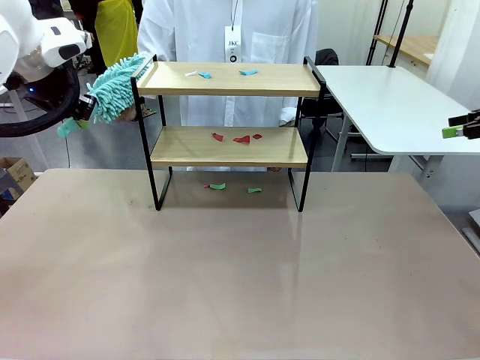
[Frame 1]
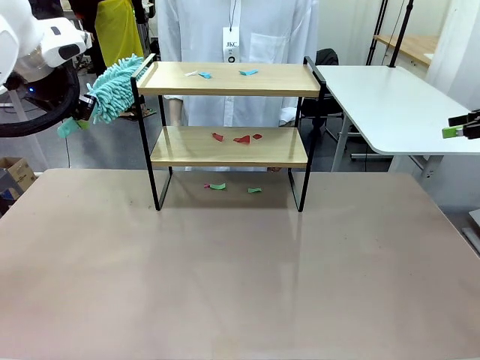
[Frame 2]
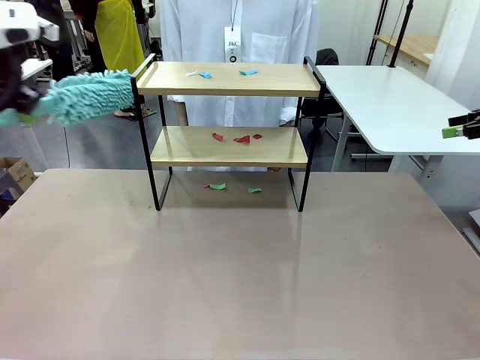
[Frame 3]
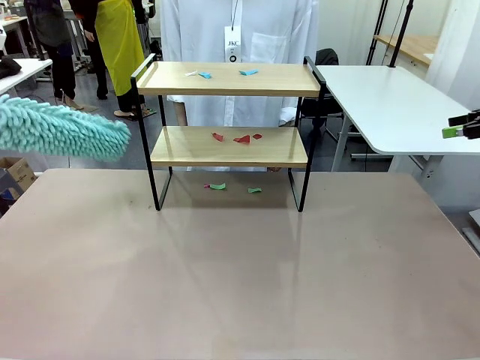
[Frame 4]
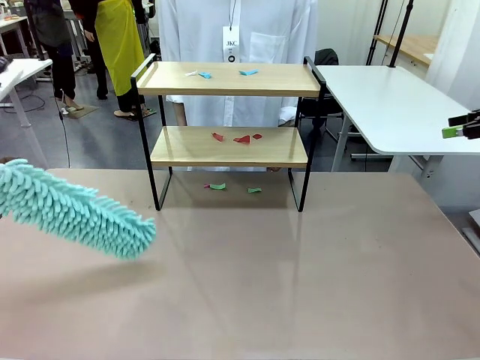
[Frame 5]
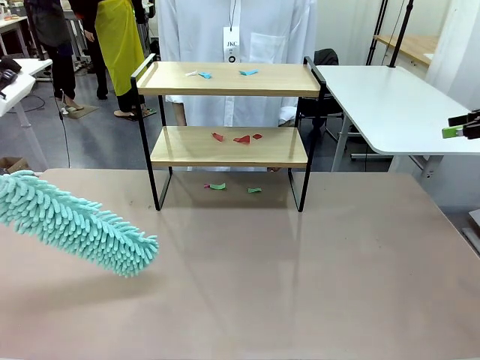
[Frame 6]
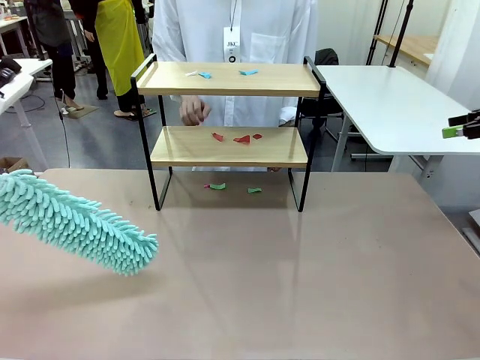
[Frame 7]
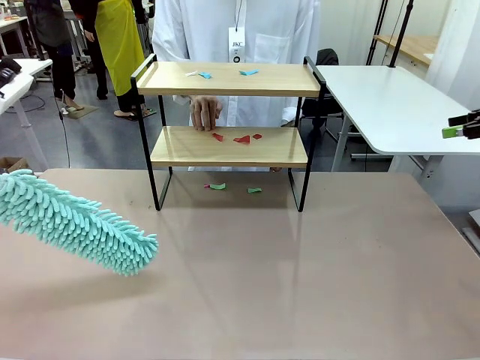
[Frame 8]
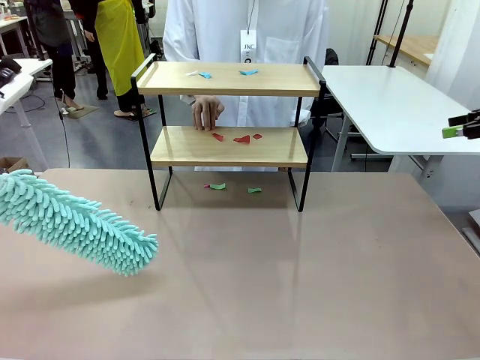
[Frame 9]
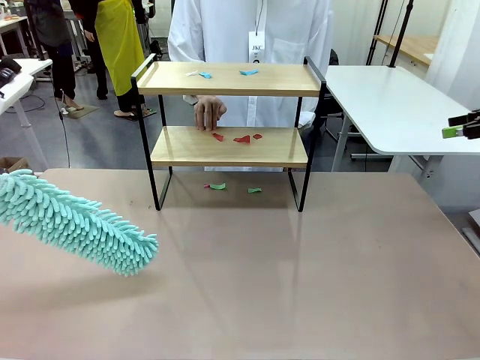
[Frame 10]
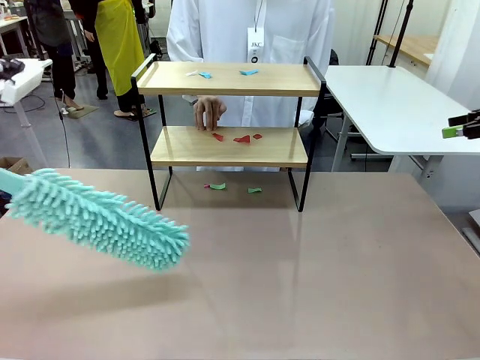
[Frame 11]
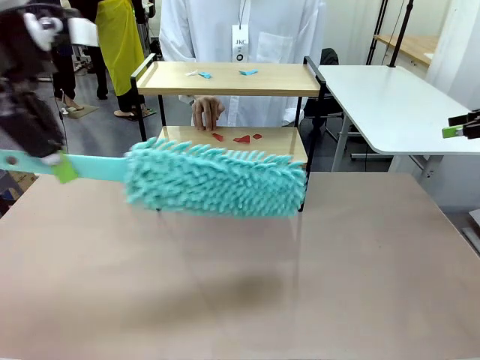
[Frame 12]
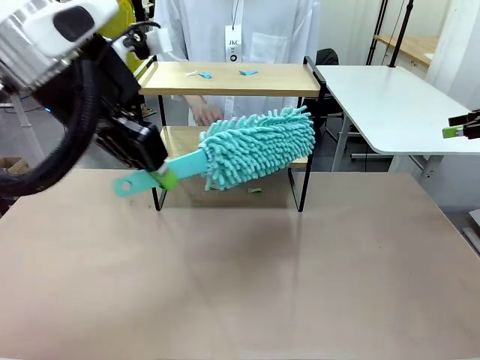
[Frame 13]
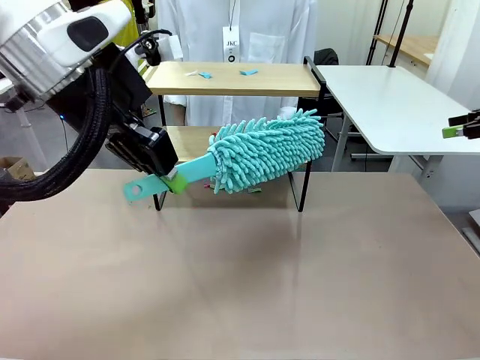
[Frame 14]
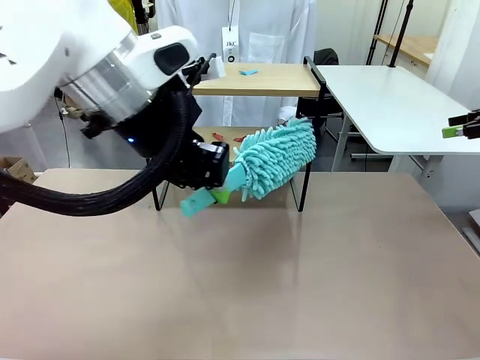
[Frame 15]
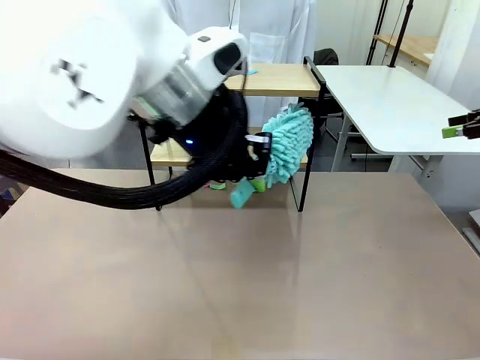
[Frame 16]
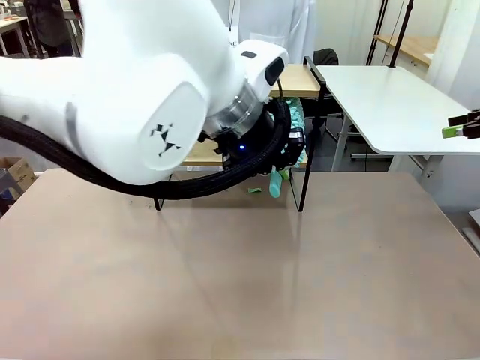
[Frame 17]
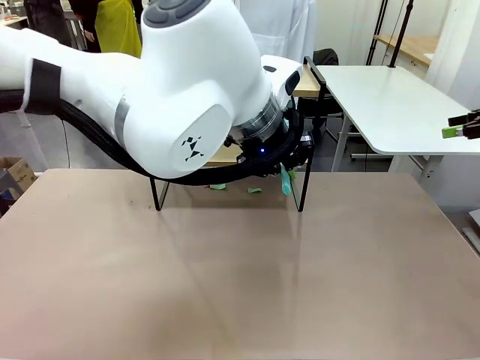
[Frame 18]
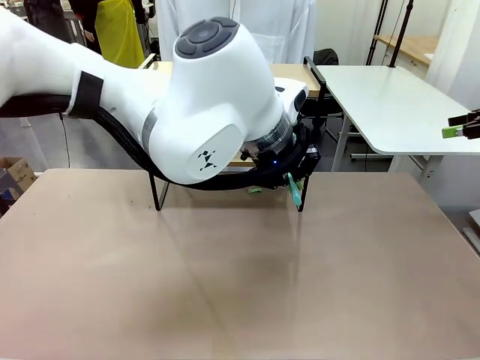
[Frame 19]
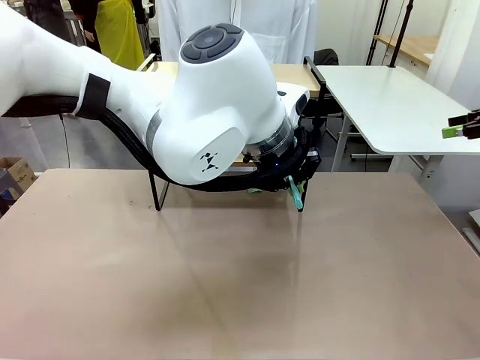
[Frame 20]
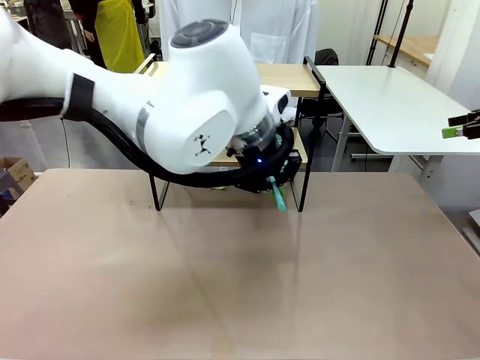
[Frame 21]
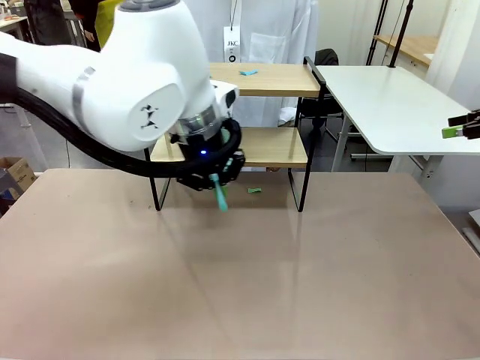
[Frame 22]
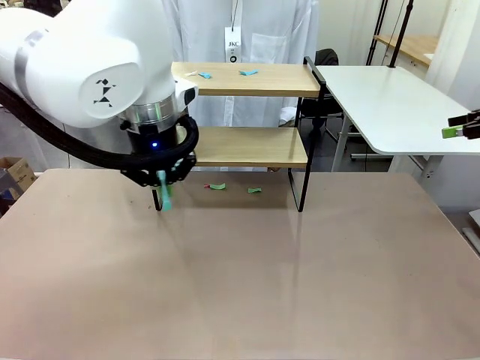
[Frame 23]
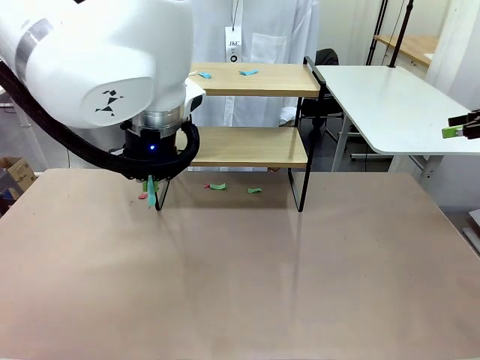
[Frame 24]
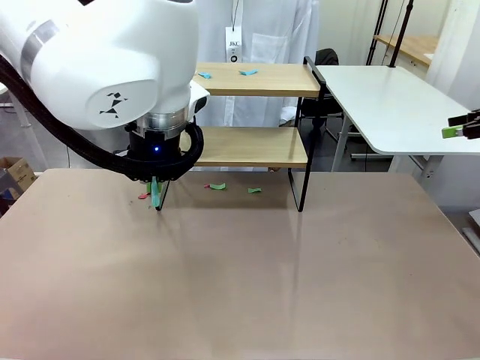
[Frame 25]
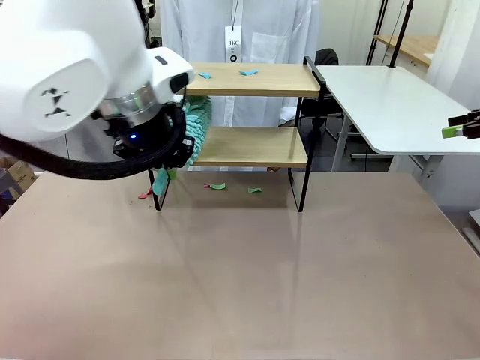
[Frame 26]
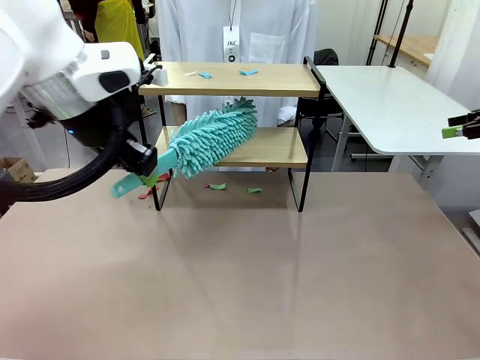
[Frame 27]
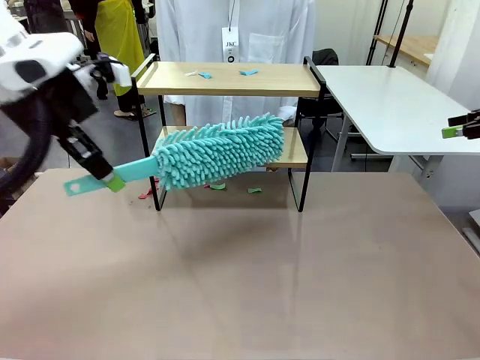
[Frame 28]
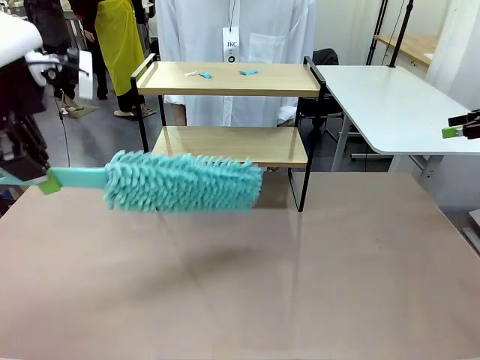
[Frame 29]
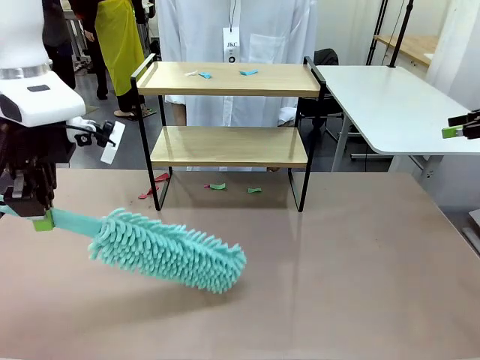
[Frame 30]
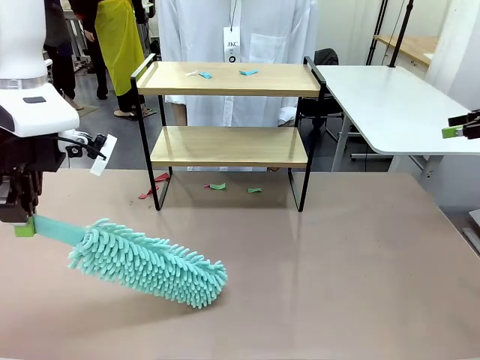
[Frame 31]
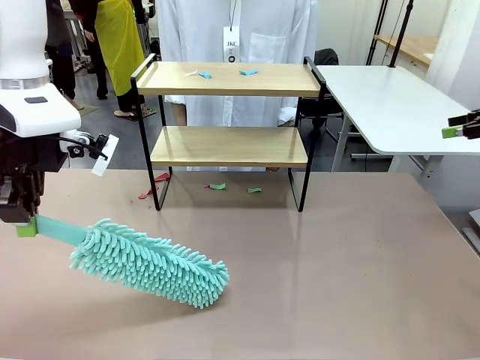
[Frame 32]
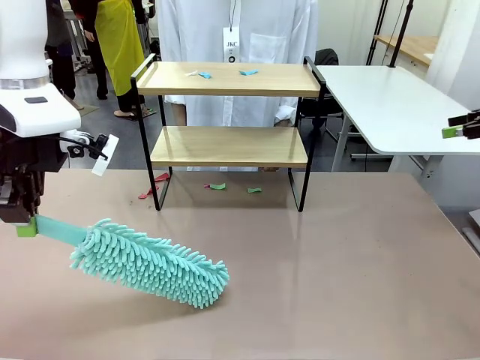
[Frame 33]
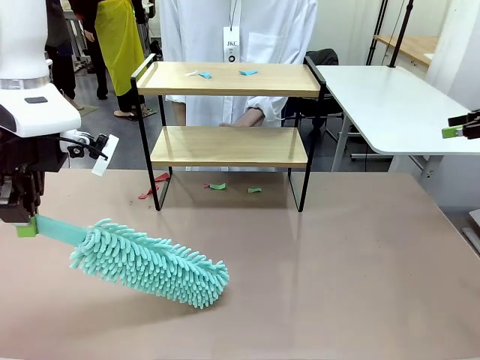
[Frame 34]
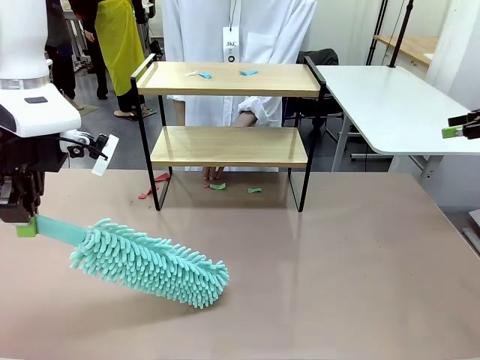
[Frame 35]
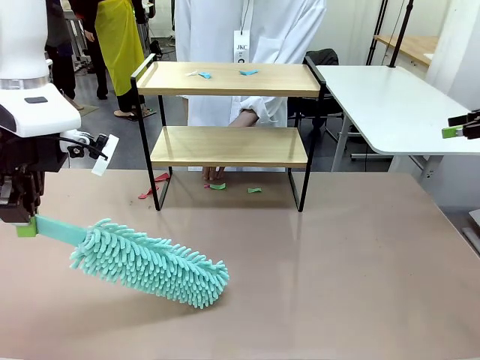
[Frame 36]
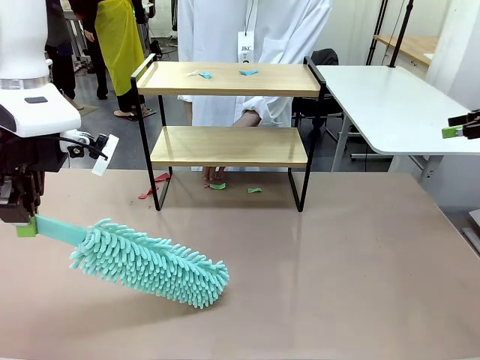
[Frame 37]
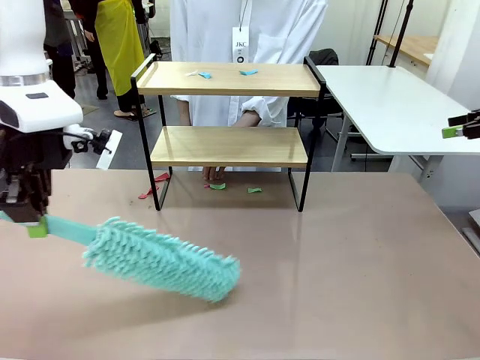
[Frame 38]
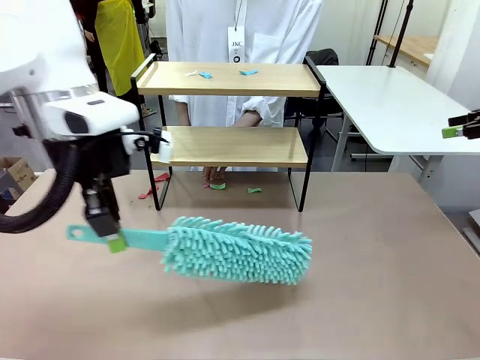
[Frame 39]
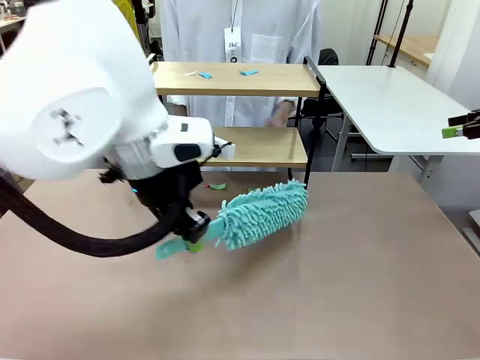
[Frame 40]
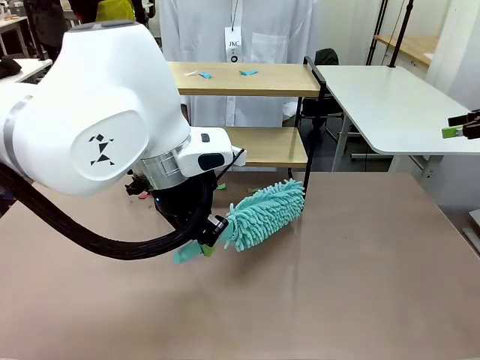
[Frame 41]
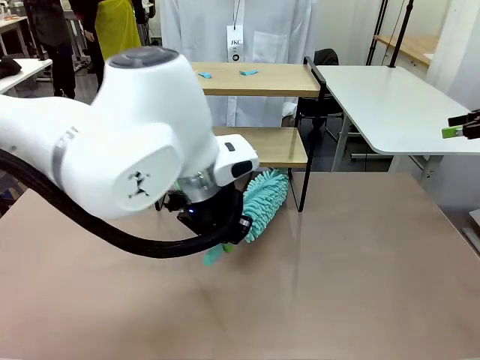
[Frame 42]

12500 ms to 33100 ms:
Task: Clean the shelf.
Robot: Clean the specific section of the Shelf indicated by the human with the Duster.
Person: Point a random section of the Shelf.
